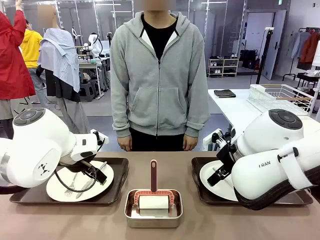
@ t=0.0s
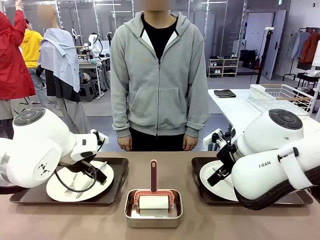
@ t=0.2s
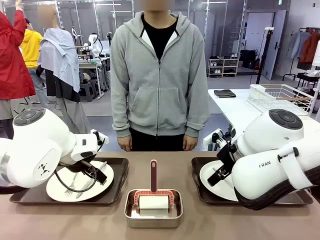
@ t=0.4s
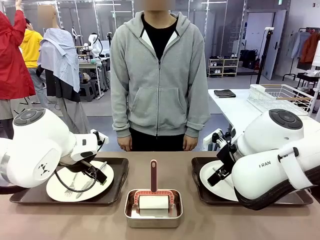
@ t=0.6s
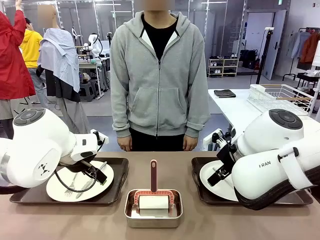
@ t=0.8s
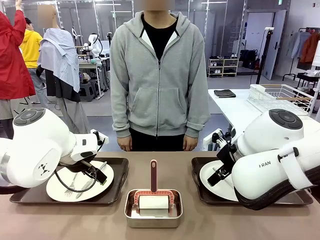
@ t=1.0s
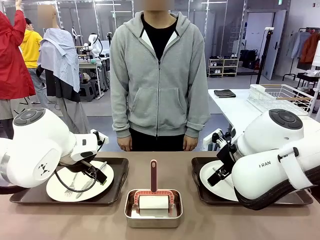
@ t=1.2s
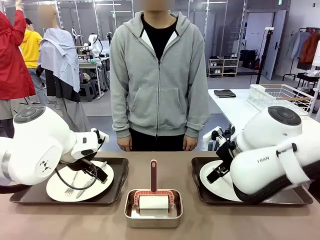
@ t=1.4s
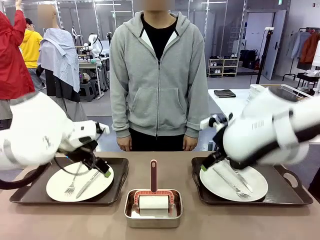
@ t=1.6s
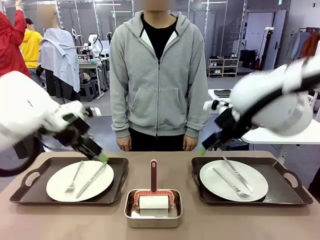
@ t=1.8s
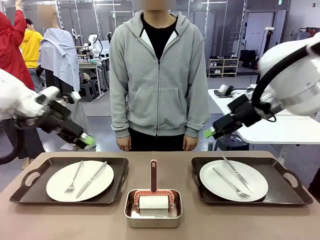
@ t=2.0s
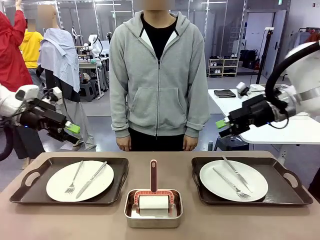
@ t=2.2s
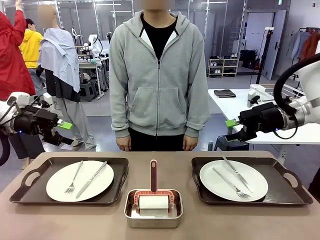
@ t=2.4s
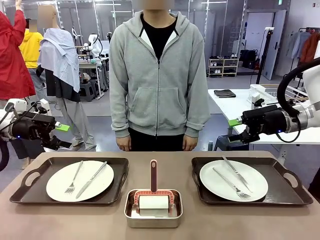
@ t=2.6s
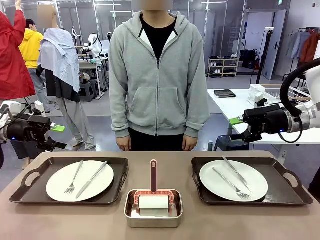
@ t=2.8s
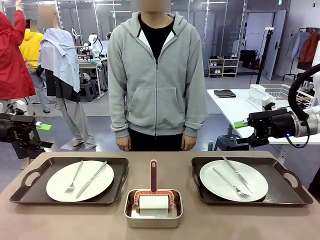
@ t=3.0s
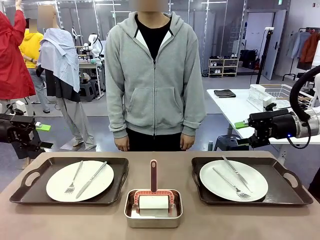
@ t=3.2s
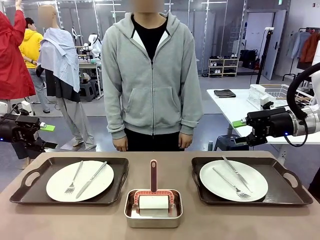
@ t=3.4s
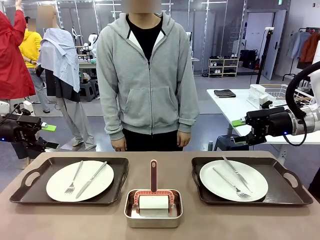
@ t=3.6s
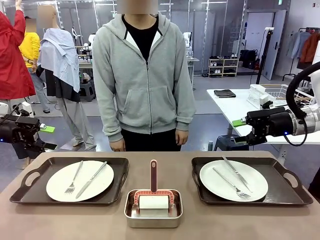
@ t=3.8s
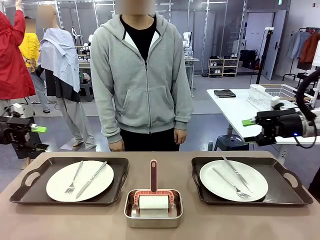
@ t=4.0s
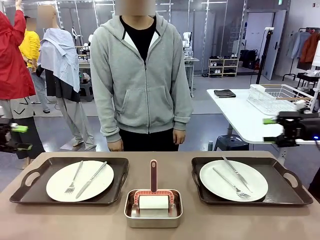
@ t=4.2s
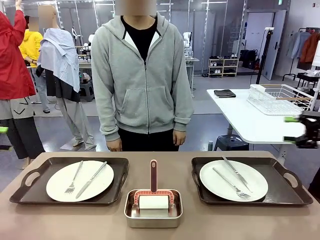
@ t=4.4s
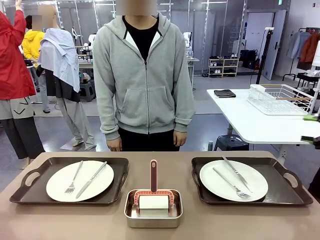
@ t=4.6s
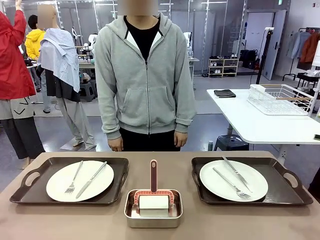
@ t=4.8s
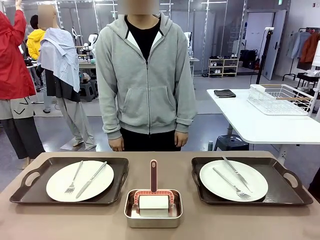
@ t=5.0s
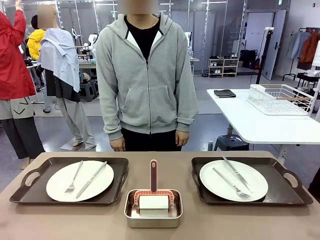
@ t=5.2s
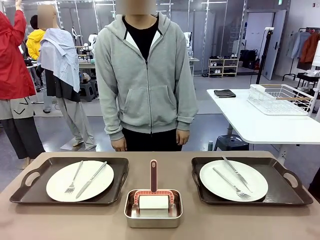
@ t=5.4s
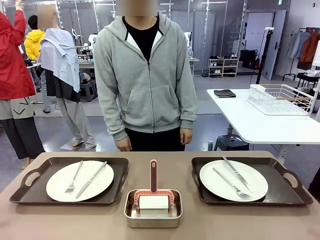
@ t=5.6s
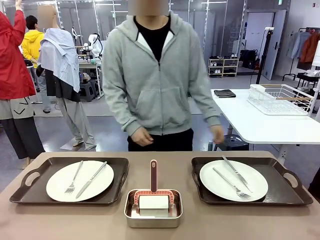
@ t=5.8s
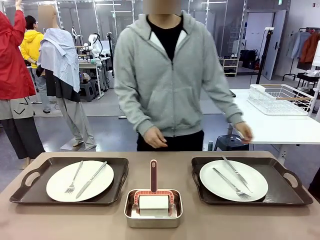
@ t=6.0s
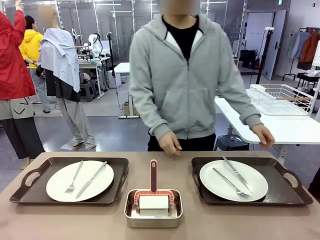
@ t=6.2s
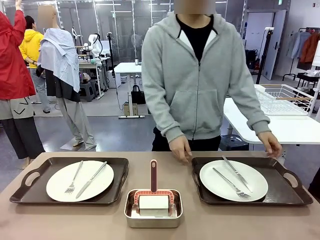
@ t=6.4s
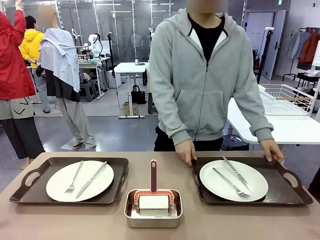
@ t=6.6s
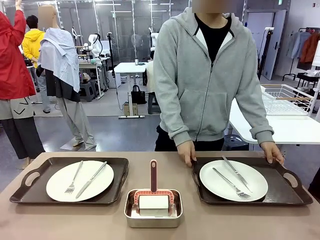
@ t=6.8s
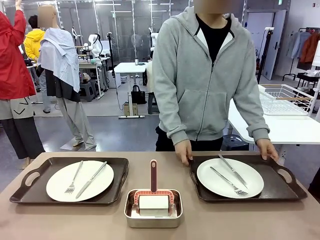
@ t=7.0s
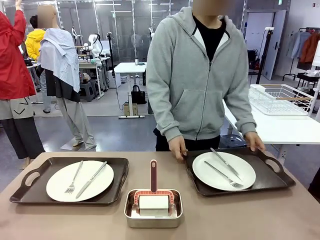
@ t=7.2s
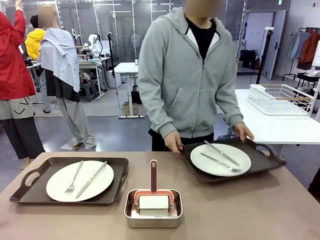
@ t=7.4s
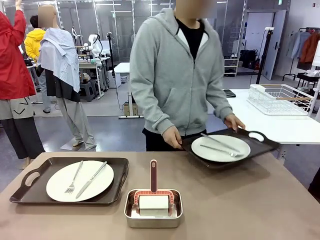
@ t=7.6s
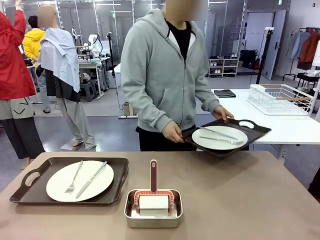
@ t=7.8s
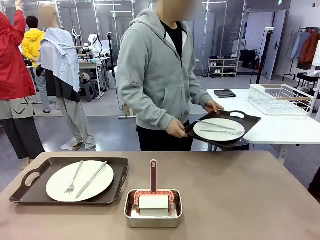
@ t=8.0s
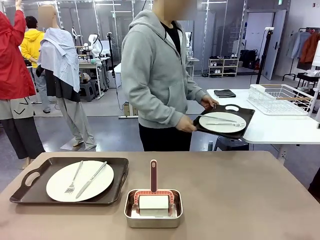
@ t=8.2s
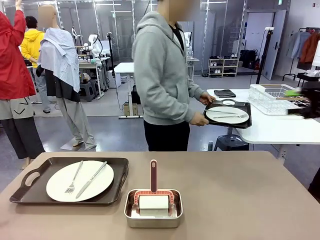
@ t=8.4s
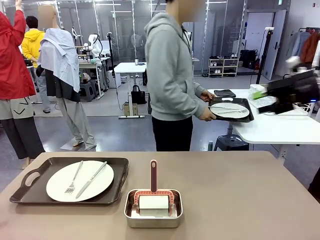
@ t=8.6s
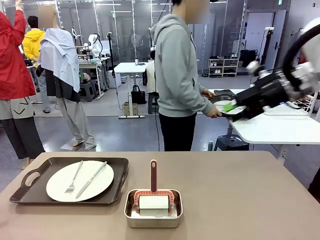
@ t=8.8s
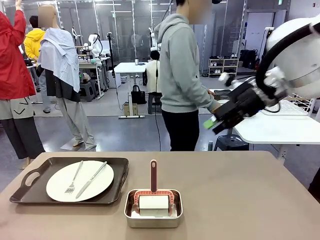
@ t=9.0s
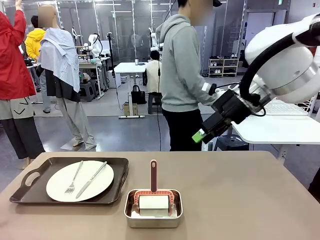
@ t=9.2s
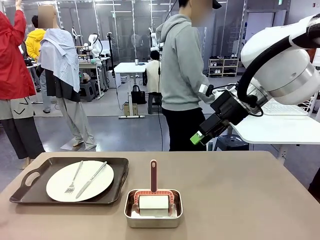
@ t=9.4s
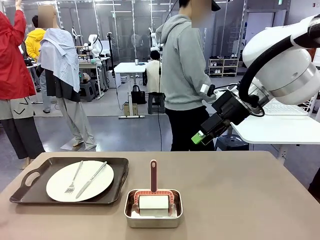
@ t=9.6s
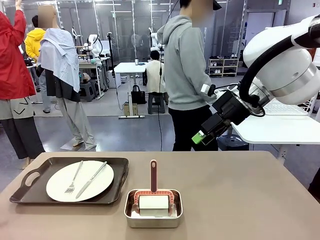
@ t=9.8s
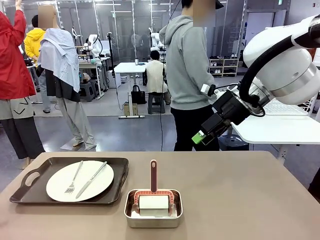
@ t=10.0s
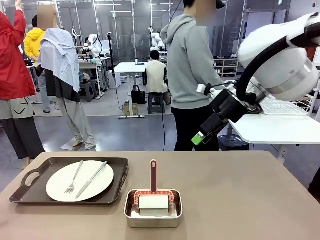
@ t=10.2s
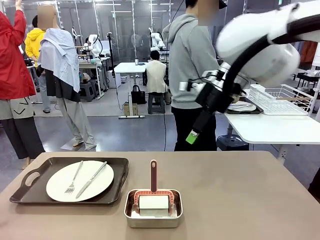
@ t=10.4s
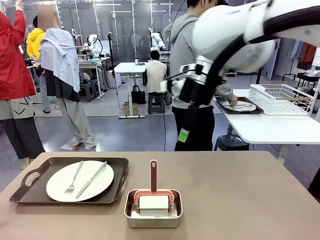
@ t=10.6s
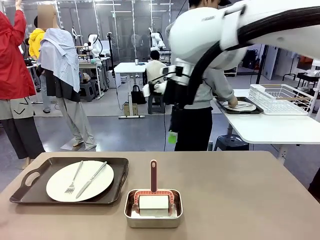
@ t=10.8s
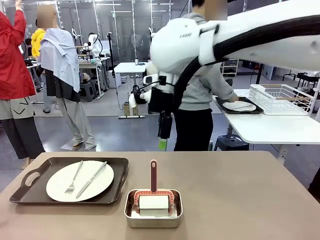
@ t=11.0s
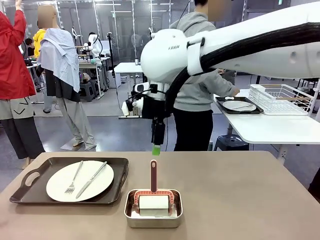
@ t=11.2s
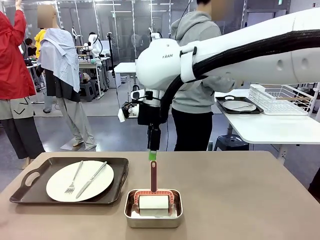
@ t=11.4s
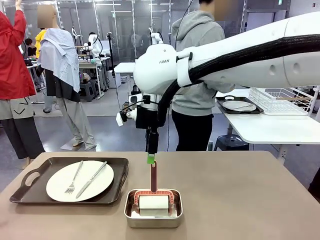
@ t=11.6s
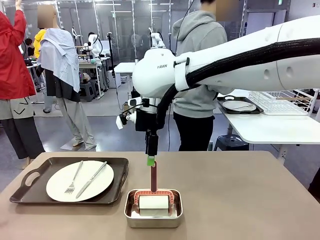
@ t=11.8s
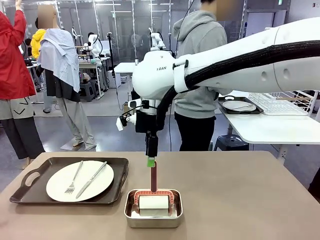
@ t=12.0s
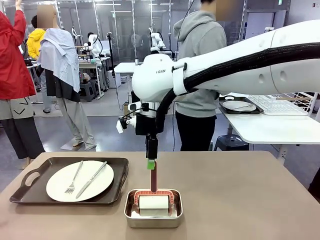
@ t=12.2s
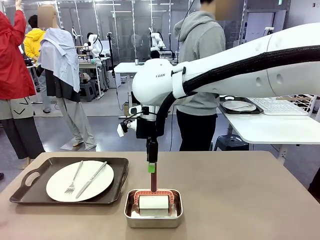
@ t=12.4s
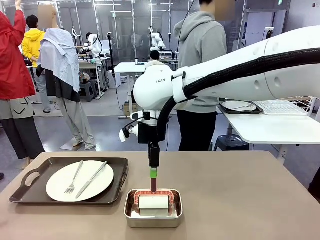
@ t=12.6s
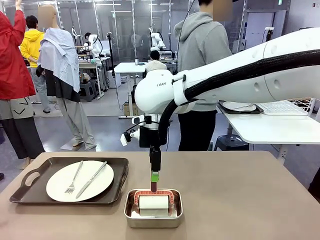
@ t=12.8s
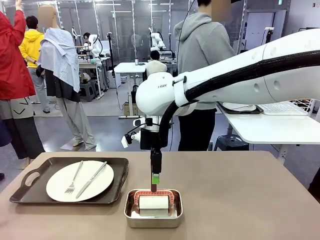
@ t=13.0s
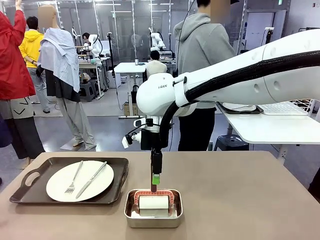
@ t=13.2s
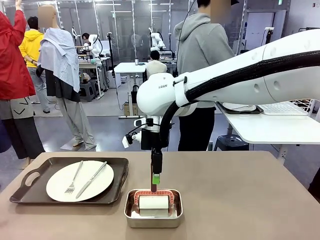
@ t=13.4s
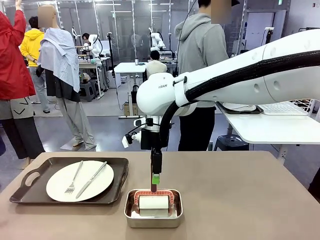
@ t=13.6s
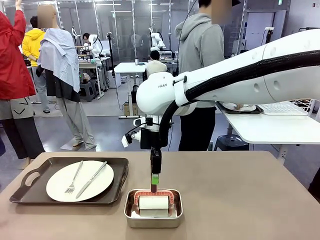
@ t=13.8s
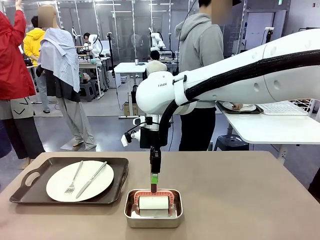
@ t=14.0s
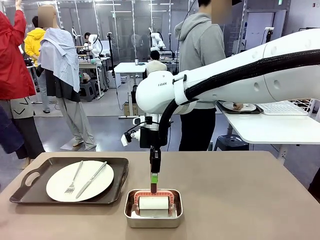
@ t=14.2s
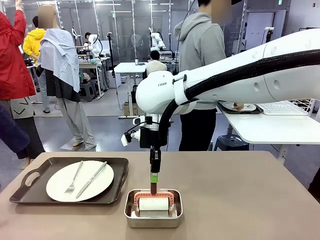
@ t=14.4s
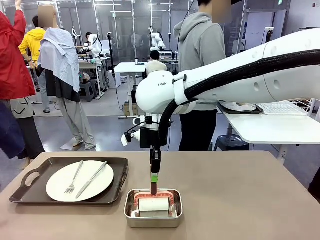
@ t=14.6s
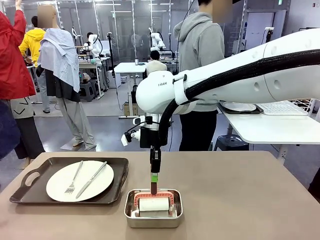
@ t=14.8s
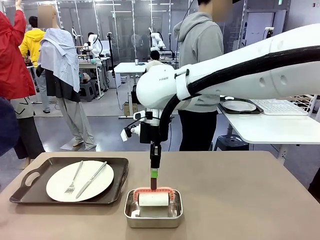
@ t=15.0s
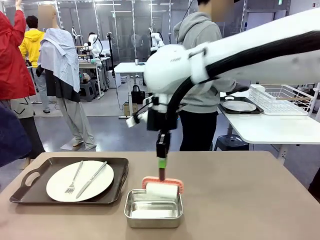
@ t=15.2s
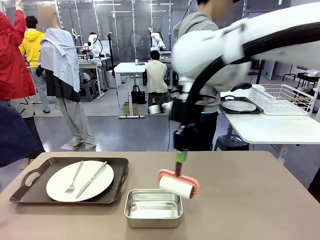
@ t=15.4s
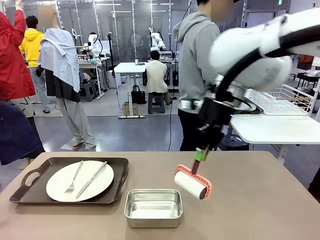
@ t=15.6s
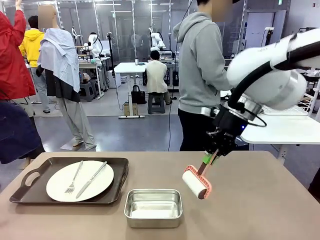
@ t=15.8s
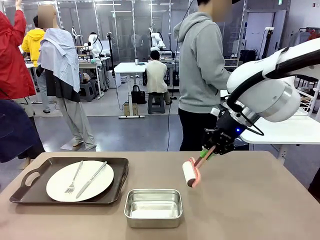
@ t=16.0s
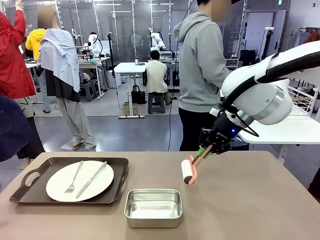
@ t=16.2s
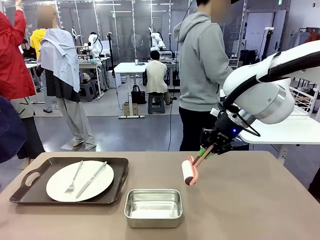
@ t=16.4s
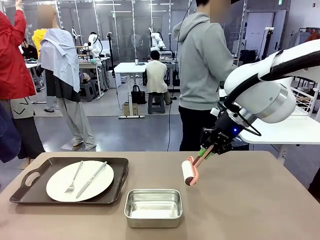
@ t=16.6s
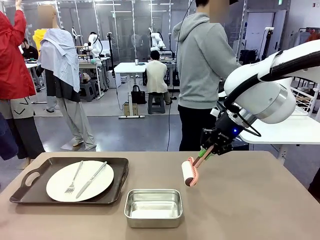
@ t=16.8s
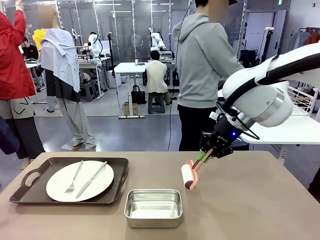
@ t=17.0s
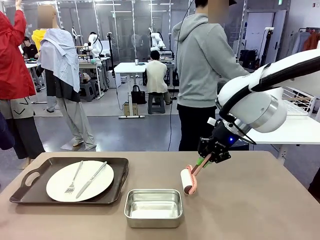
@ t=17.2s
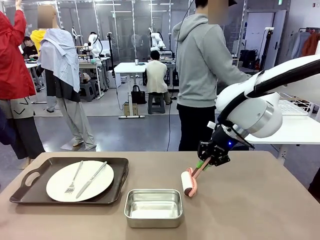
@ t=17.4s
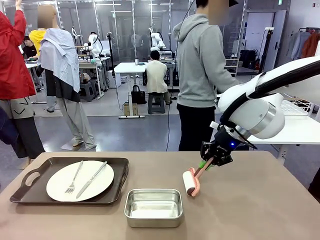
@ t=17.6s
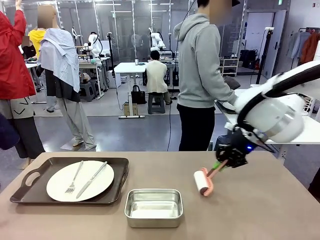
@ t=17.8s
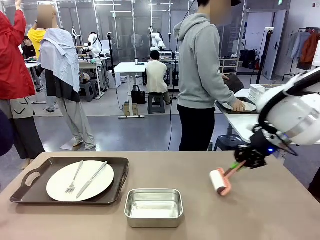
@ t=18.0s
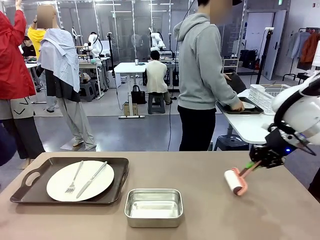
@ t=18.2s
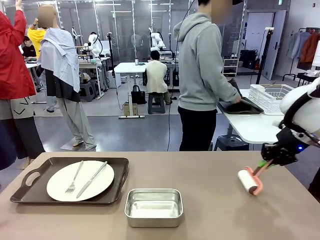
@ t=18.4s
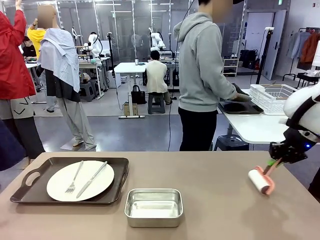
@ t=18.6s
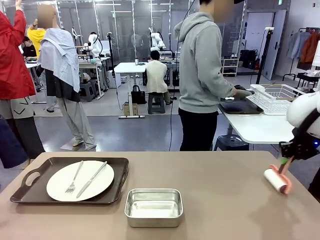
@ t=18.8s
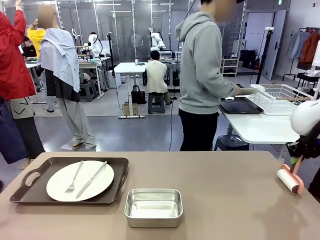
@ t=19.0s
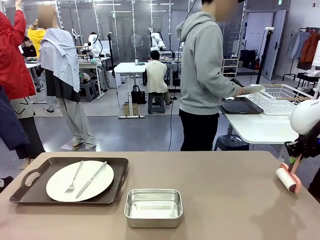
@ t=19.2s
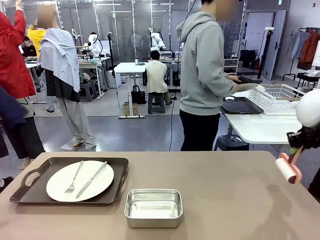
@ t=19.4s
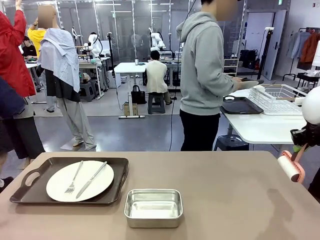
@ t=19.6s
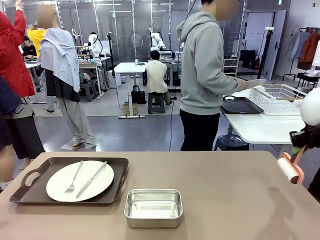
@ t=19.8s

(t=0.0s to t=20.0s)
Robot: When the left (or right) Handle tray is removed, use the left hand (or right hand) to clean the left (or right) side of the table with the Lint Roller.
Person: Pick up the left (or right) Handle tray and place it on the middle of the Human's table. Use the Towel with hook to wipe the Plastic Matte Plate , Fork , and Knife and place into the Dish drying rack.
